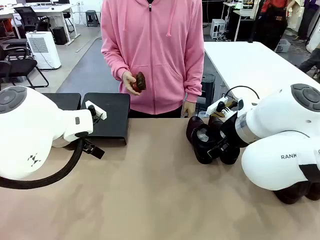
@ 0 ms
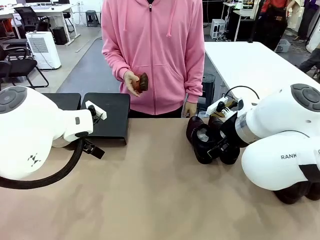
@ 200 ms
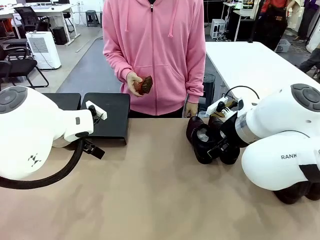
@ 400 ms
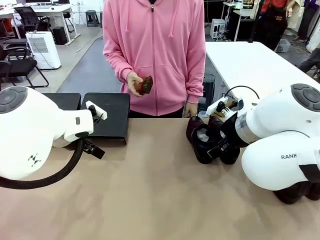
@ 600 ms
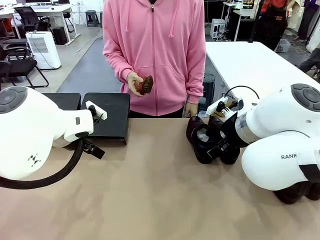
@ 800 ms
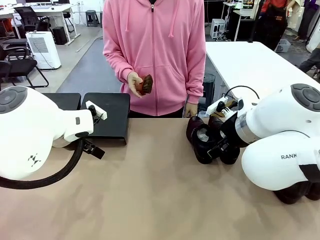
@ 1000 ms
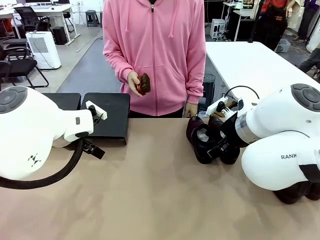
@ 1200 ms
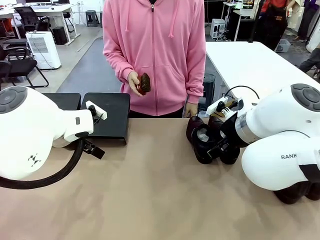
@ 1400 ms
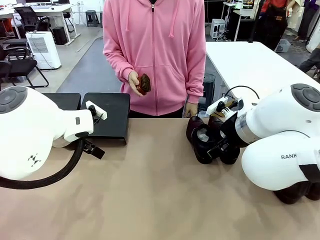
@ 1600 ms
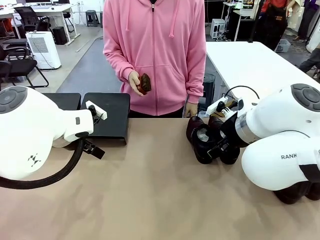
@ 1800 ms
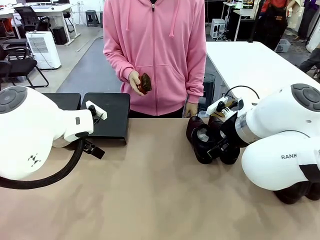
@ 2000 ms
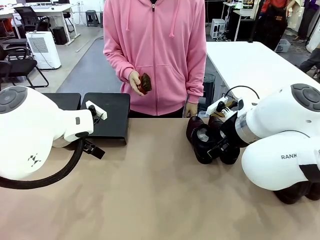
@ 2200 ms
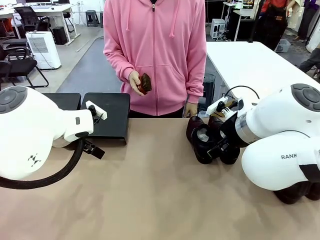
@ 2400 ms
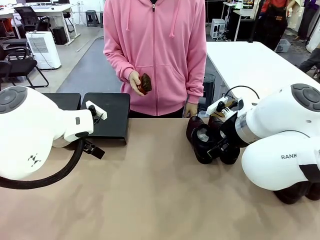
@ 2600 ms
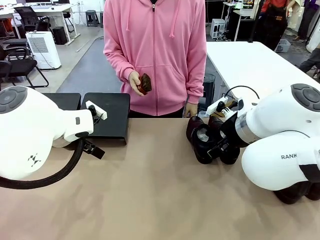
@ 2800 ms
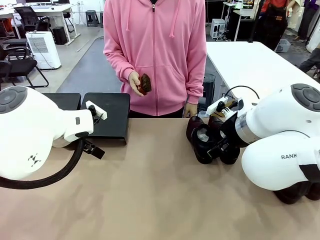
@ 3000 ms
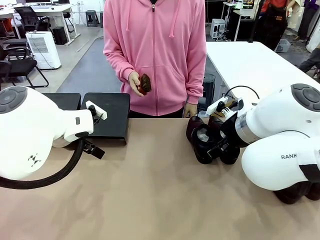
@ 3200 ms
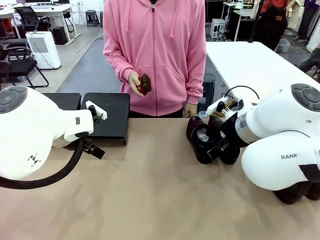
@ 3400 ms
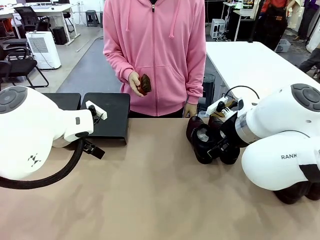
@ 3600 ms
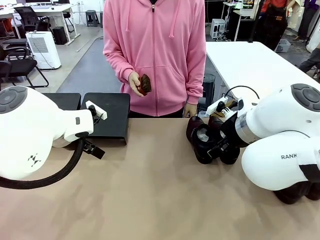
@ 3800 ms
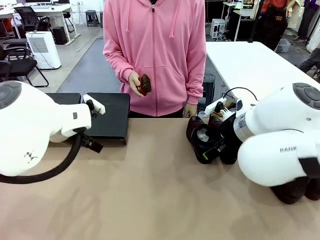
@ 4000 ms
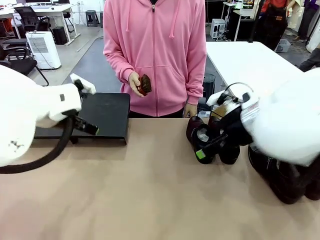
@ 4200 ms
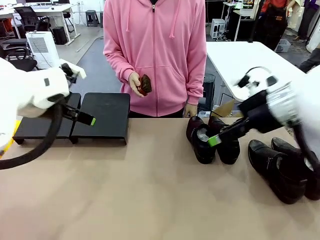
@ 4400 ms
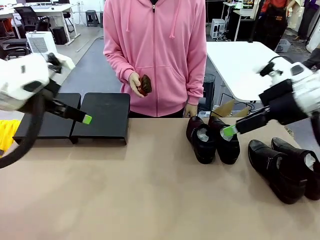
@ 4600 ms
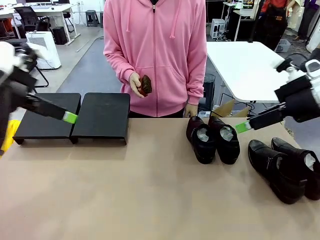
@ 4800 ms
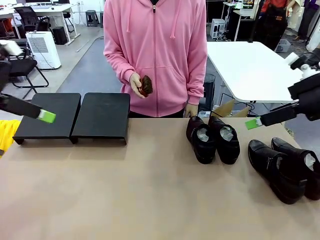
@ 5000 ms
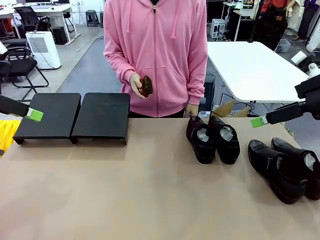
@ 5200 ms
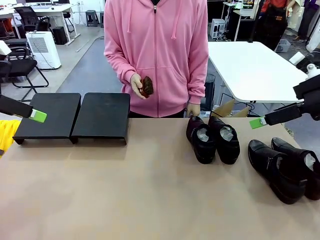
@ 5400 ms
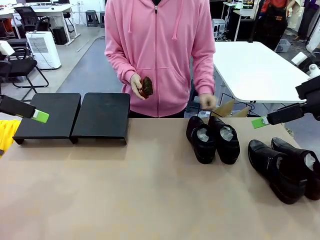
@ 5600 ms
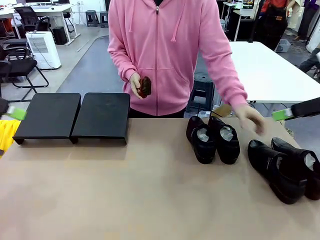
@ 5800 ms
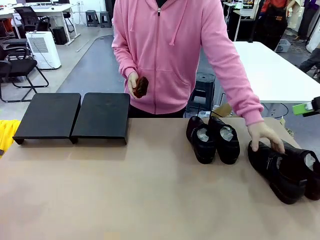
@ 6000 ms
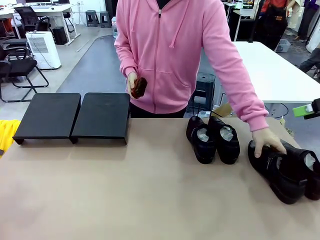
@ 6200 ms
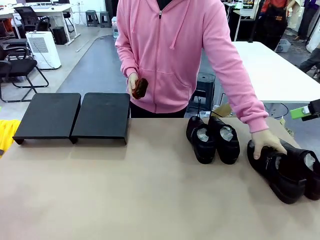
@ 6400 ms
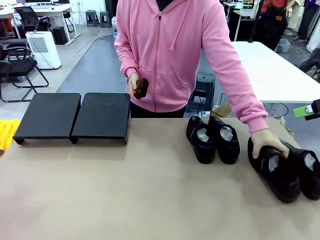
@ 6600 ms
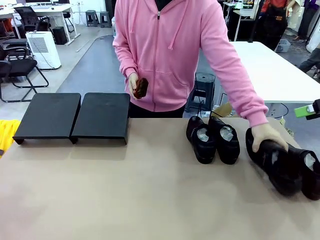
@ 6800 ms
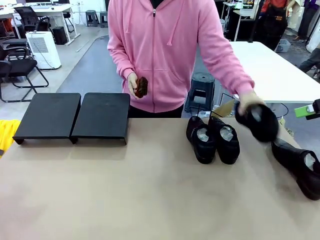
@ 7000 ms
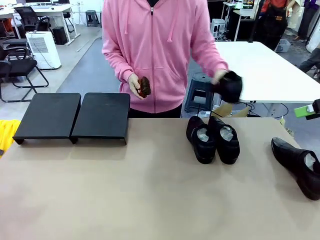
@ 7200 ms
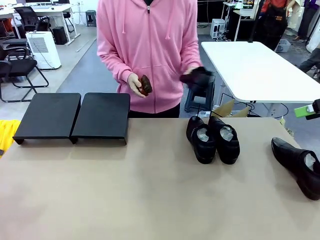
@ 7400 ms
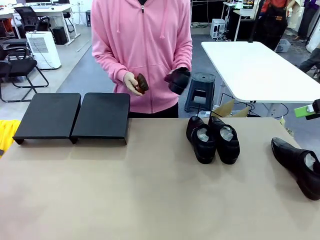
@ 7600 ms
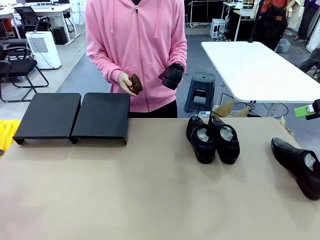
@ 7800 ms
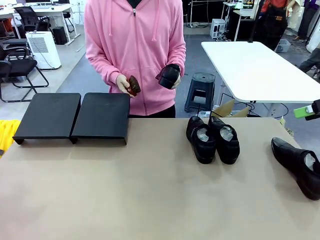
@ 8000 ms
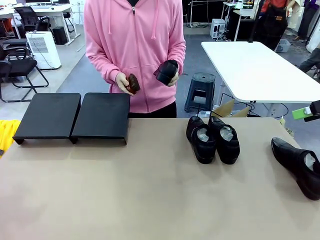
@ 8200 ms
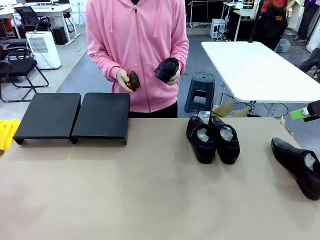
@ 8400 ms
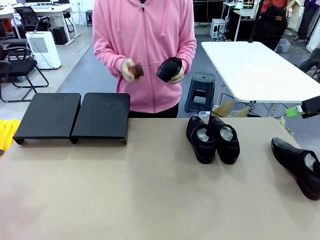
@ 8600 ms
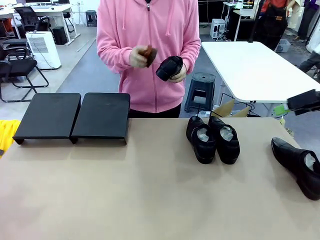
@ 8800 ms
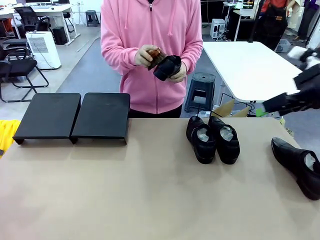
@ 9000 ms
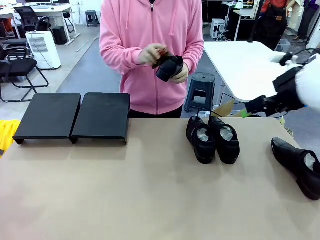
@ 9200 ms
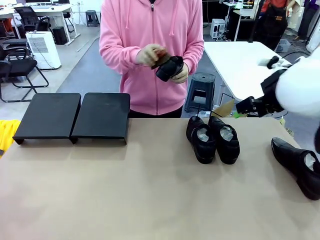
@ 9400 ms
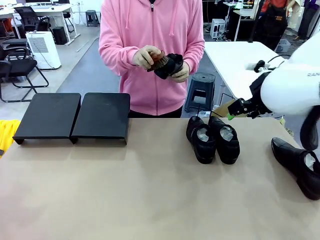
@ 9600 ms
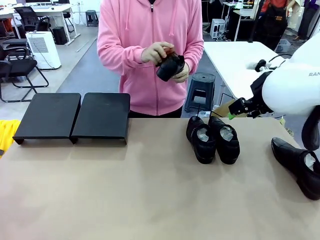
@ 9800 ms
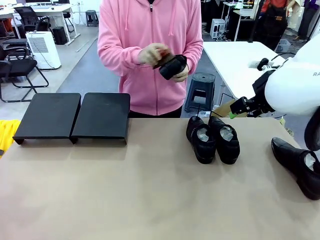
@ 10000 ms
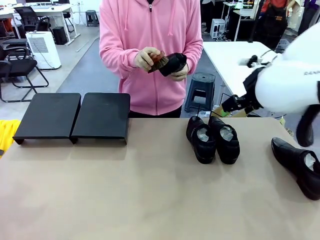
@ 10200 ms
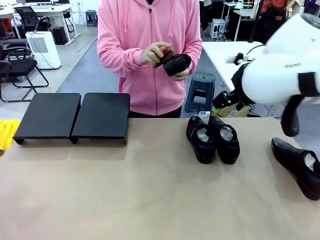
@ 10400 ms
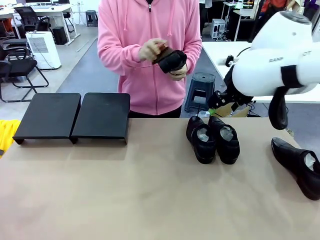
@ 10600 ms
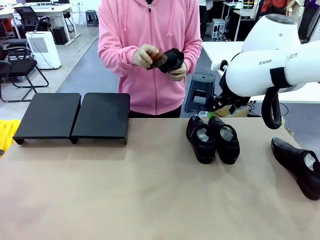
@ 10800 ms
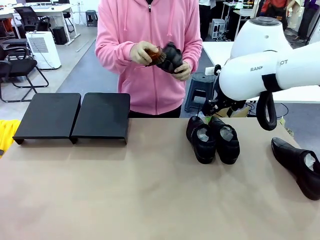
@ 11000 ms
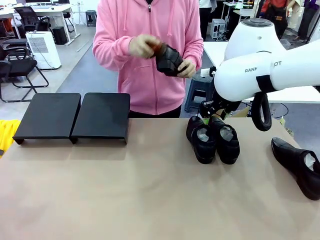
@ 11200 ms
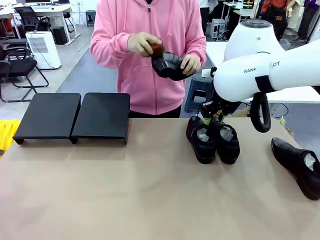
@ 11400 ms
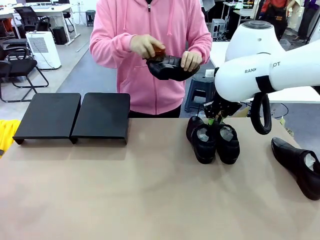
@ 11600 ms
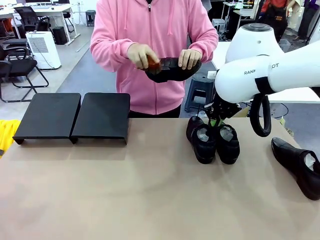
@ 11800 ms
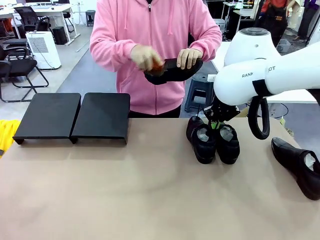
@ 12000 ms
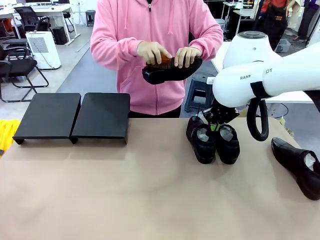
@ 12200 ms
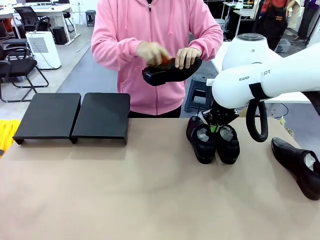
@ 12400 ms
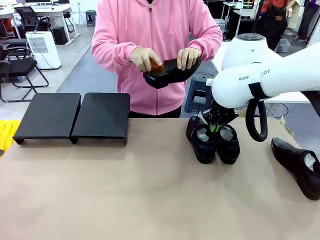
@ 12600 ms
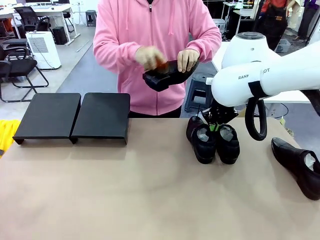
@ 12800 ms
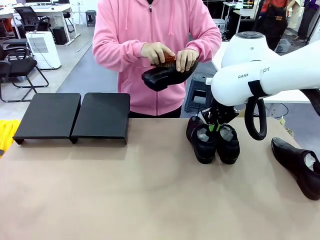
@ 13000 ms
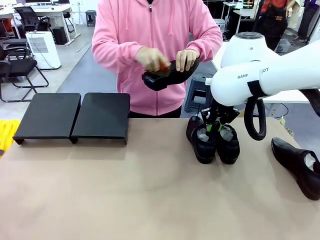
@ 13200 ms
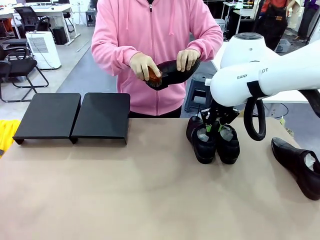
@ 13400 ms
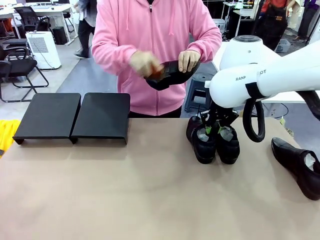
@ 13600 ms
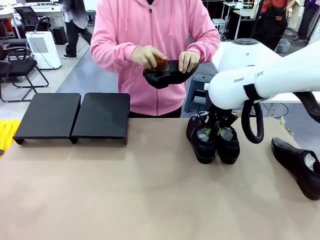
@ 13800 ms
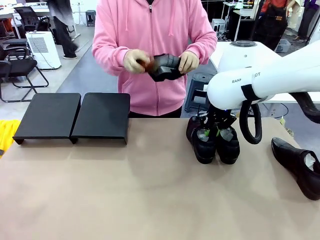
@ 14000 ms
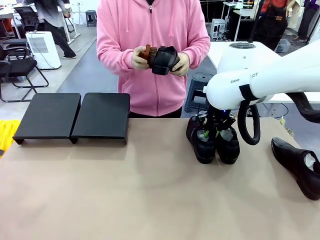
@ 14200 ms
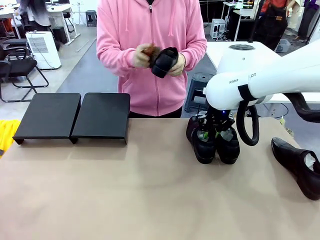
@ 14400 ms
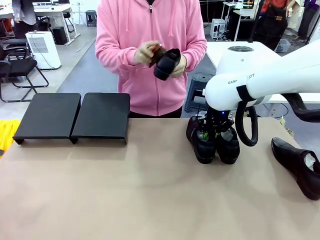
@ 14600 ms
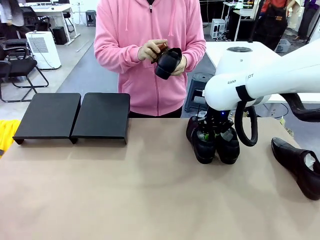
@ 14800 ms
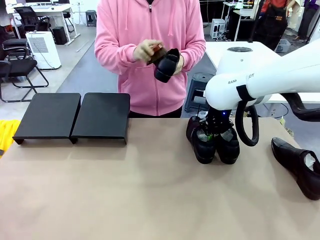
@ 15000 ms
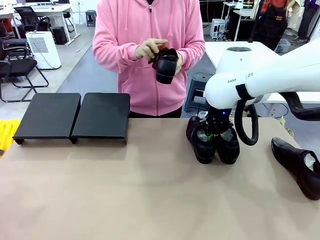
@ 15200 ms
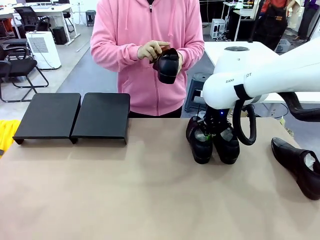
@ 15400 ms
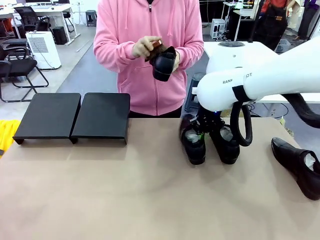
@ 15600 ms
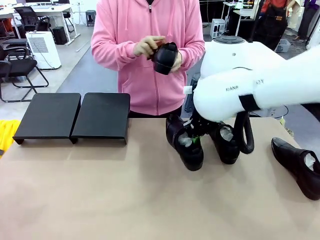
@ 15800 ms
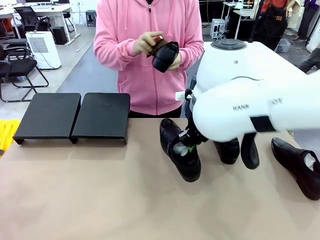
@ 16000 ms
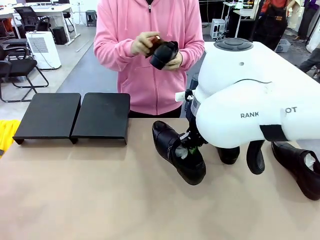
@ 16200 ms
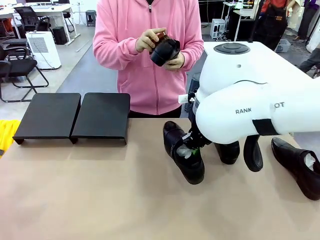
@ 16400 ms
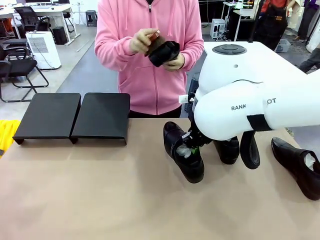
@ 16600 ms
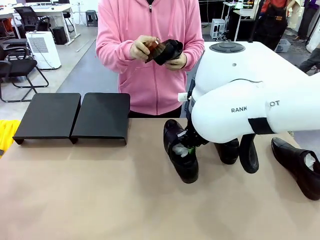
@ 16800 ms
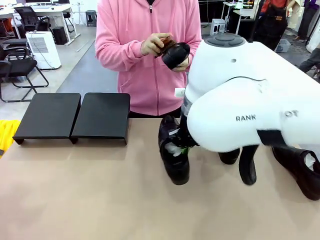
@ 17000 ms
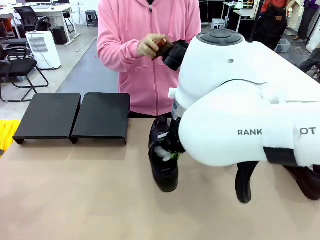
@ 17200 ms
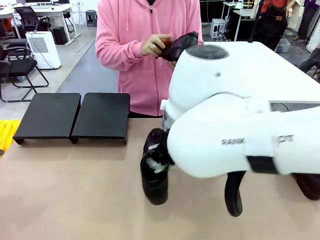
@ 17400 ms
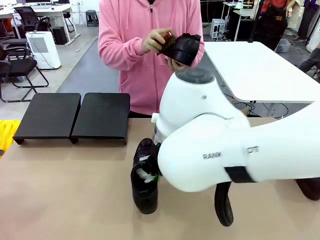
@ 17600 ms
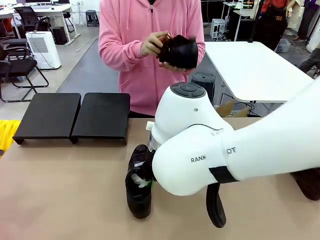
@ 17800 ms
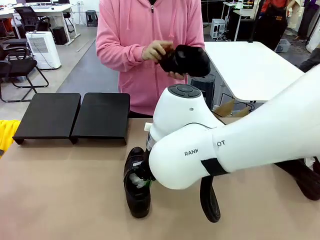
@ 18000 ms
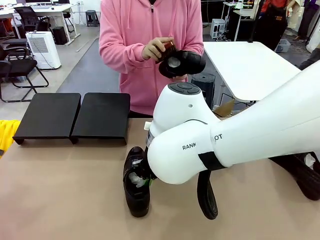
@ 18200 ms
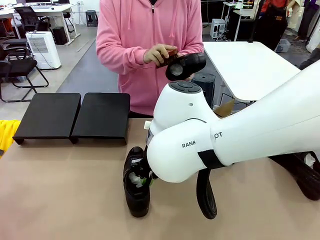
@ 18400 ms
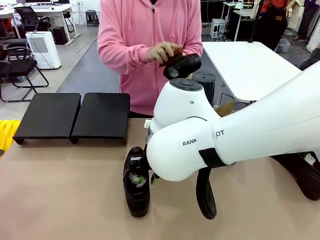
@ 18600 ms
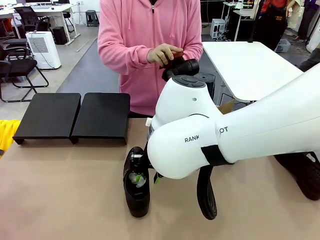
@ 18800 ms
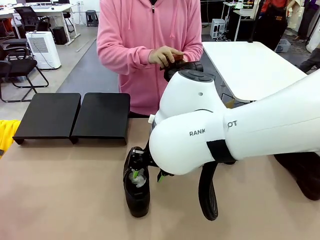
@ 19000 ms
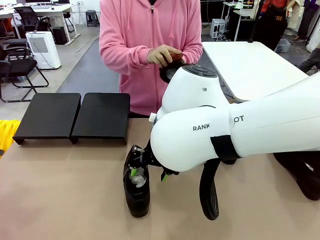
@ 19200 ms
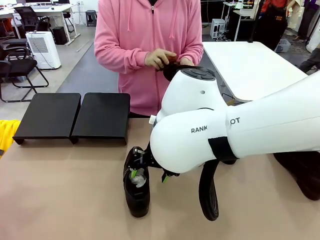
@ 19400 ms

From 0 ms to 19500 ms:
Task: Organize the shoes by placing them on the stand.
Robot: Pick up one Shoe and place it in the middle of the table.
Person: Pick one Shoe on Robot's table. Clean the Shoe with the Shoe Brush.
